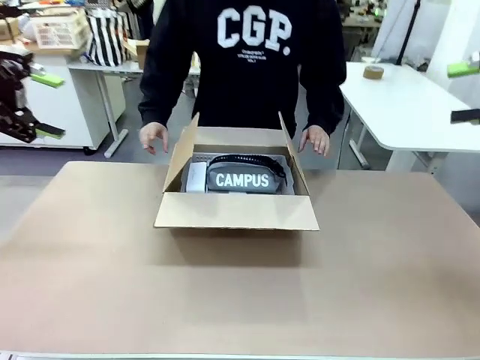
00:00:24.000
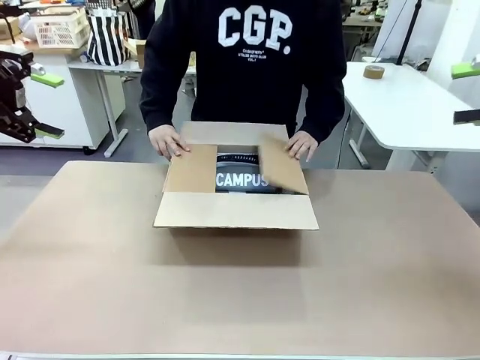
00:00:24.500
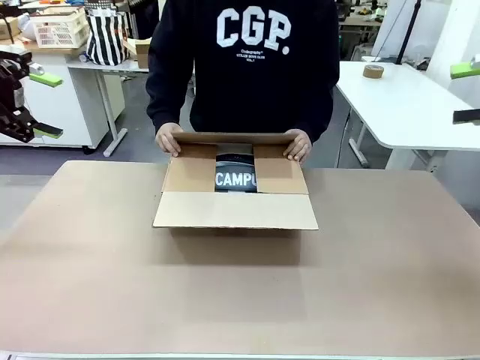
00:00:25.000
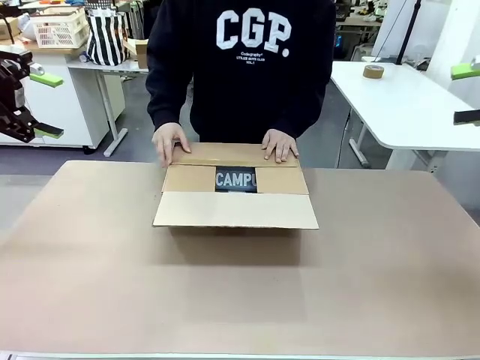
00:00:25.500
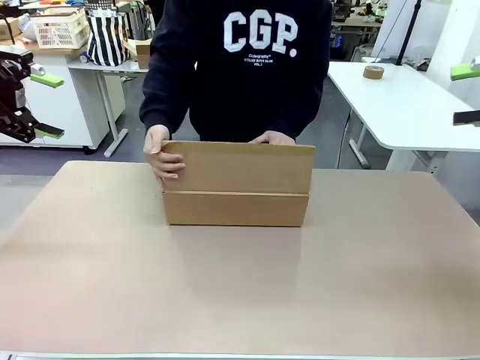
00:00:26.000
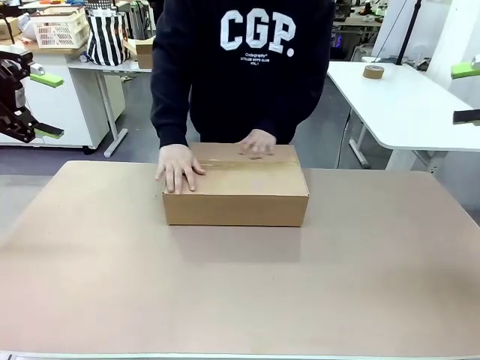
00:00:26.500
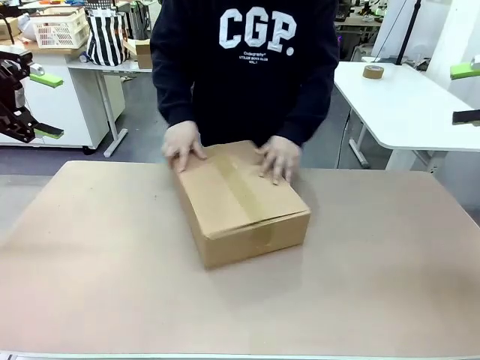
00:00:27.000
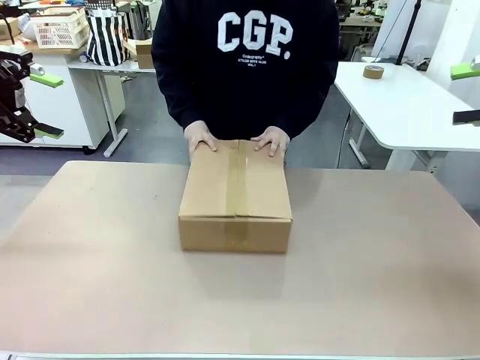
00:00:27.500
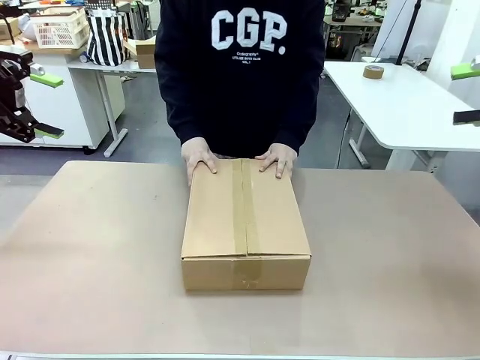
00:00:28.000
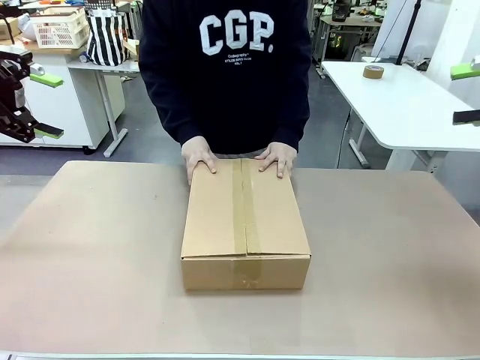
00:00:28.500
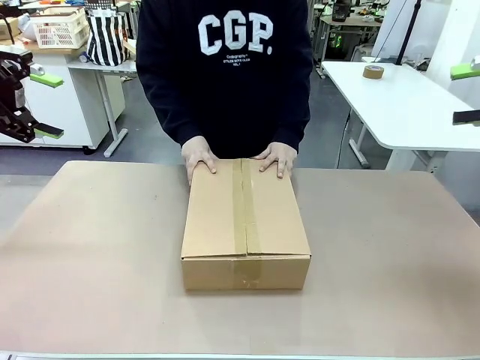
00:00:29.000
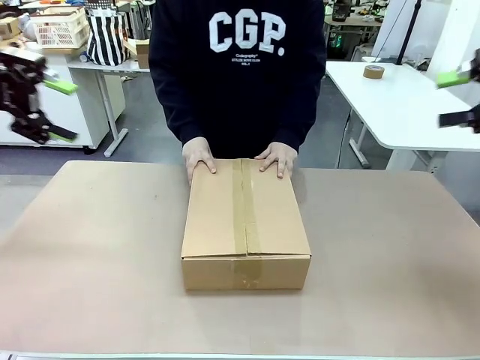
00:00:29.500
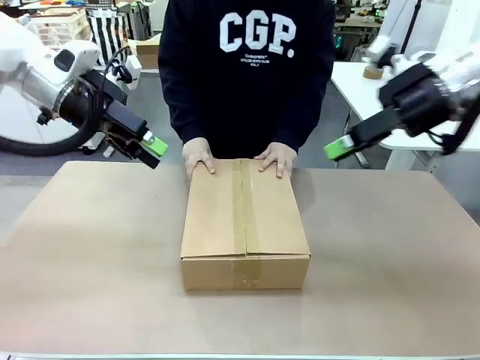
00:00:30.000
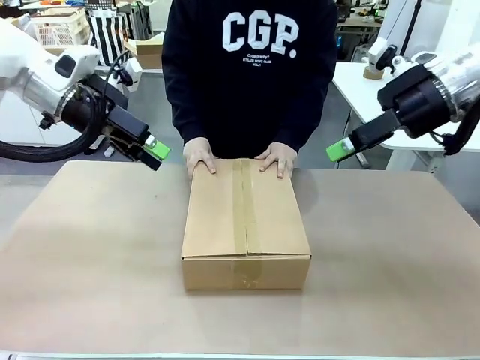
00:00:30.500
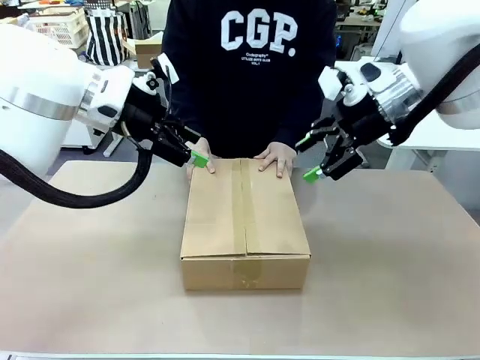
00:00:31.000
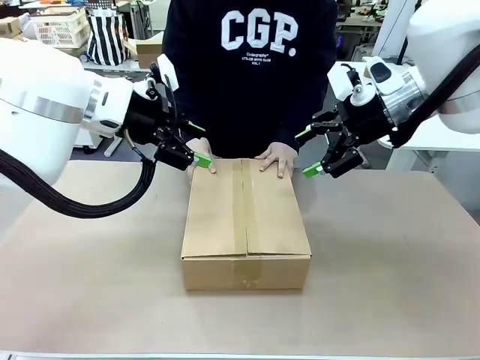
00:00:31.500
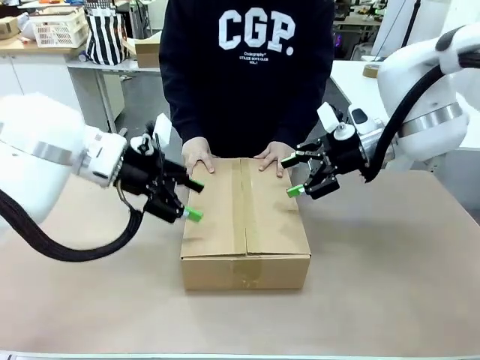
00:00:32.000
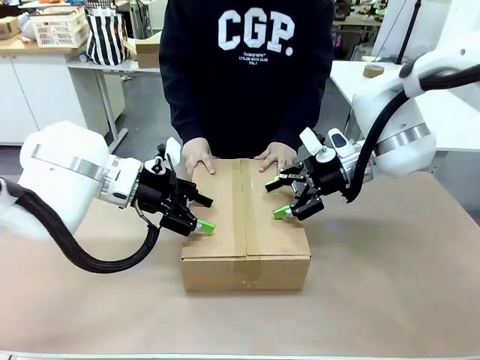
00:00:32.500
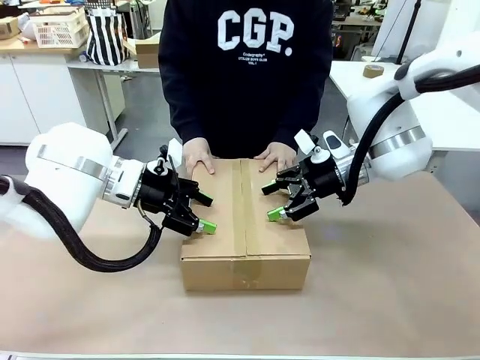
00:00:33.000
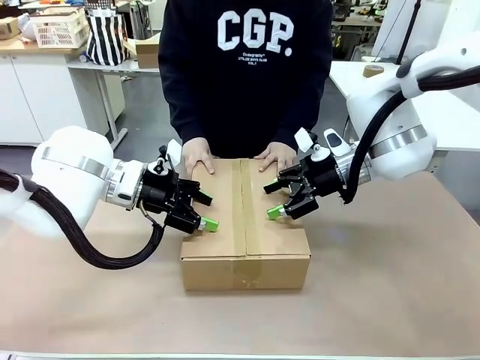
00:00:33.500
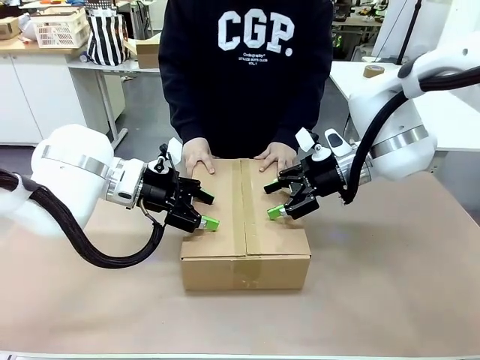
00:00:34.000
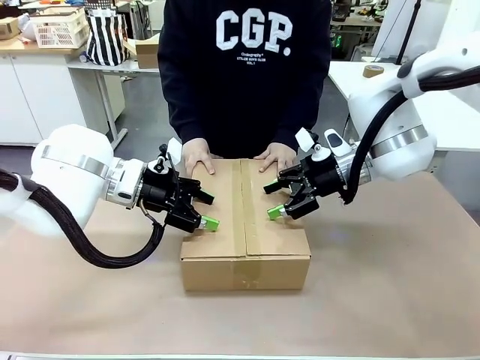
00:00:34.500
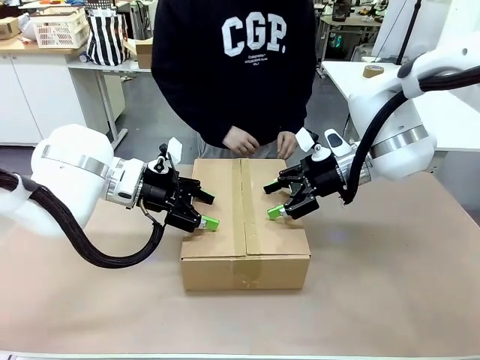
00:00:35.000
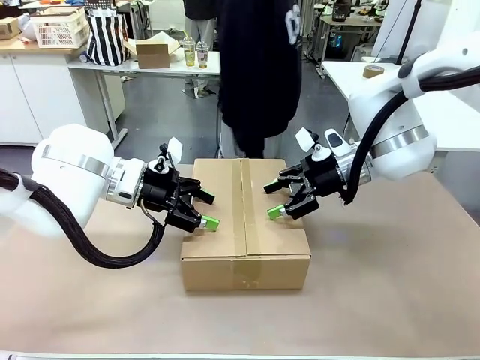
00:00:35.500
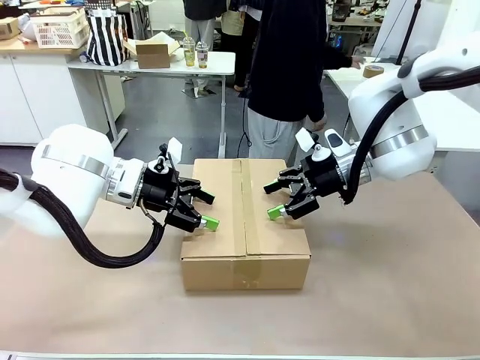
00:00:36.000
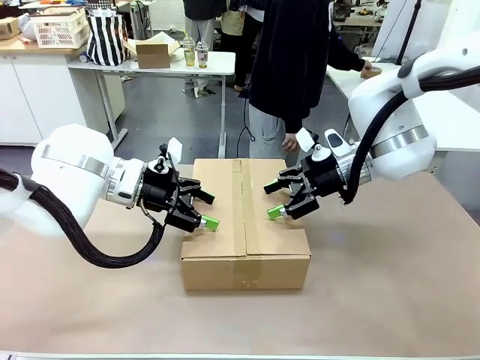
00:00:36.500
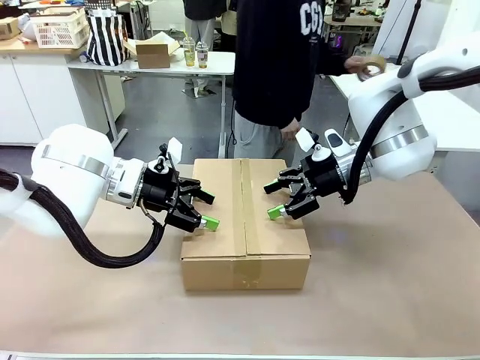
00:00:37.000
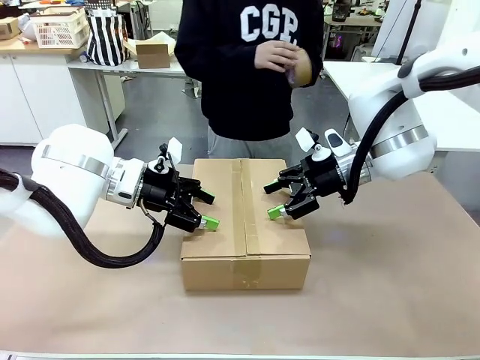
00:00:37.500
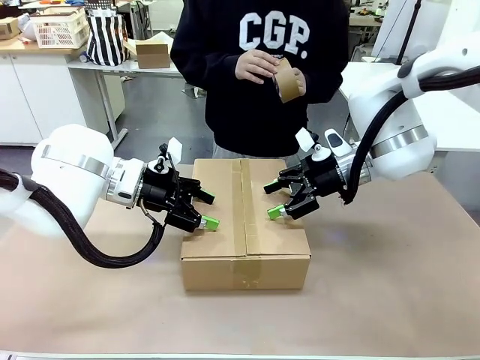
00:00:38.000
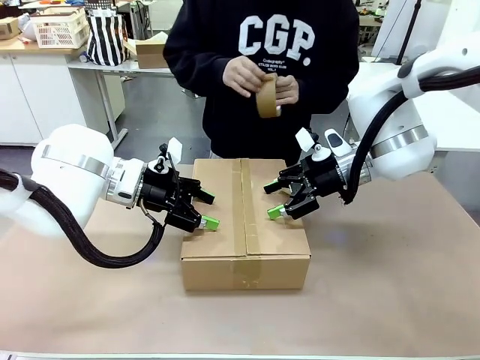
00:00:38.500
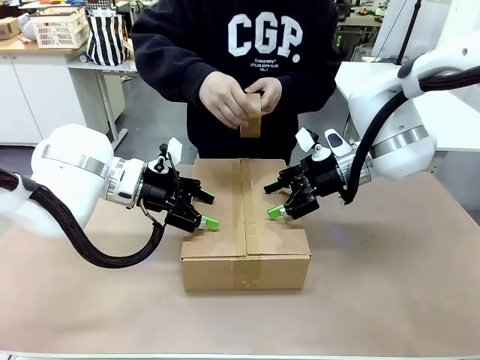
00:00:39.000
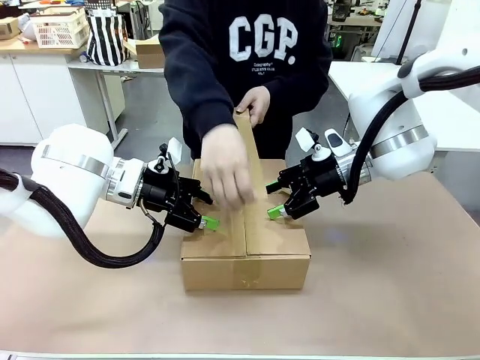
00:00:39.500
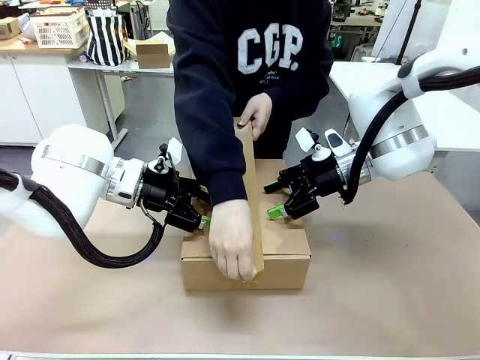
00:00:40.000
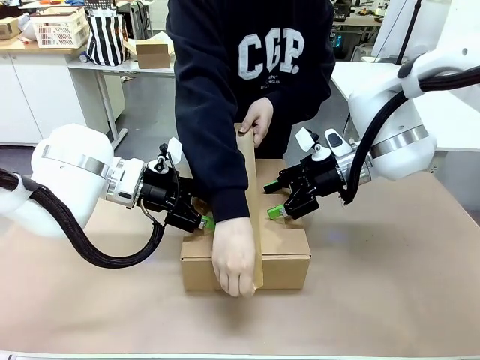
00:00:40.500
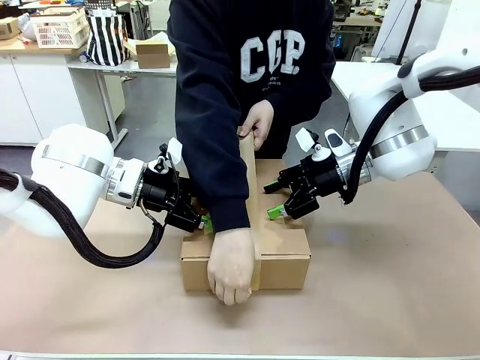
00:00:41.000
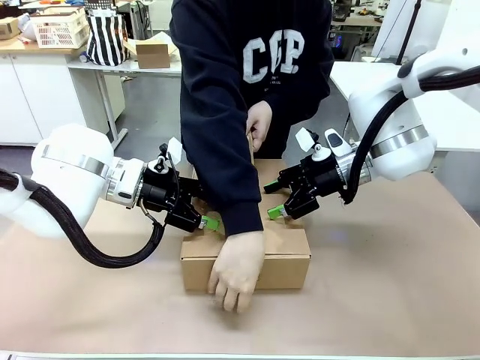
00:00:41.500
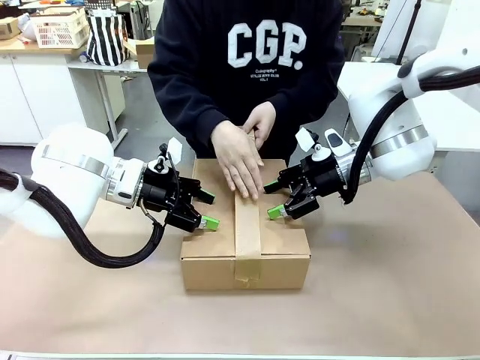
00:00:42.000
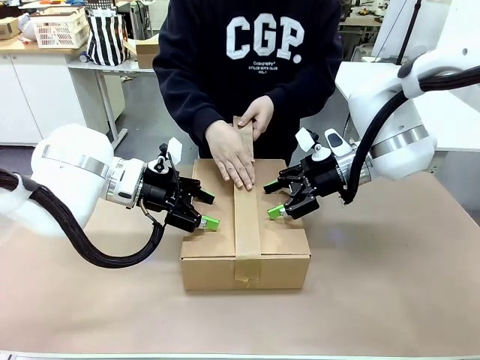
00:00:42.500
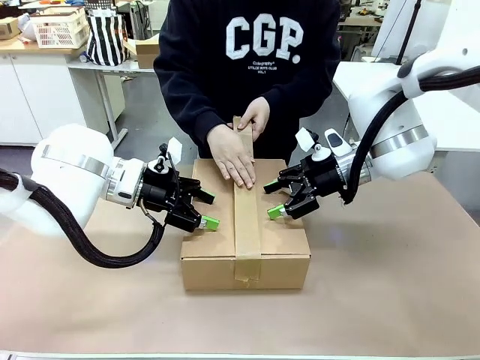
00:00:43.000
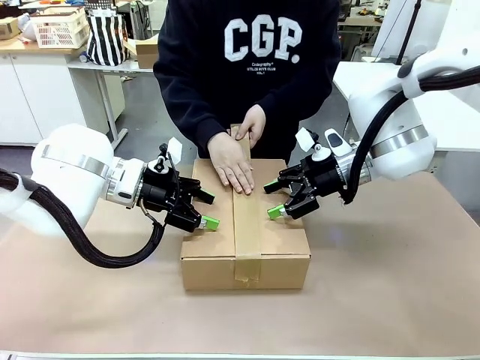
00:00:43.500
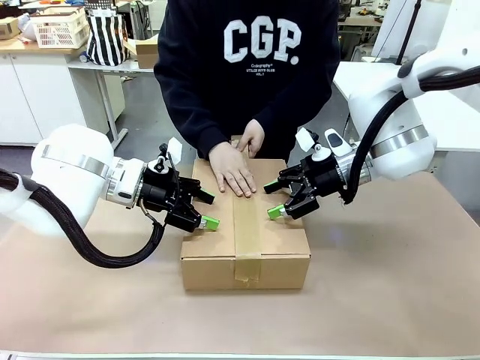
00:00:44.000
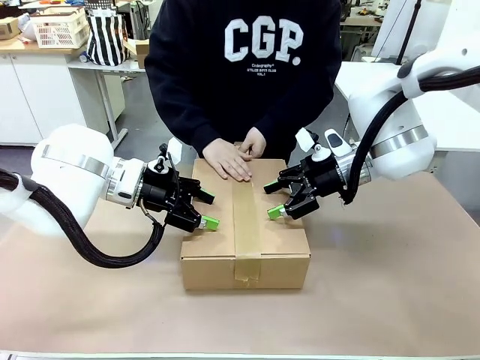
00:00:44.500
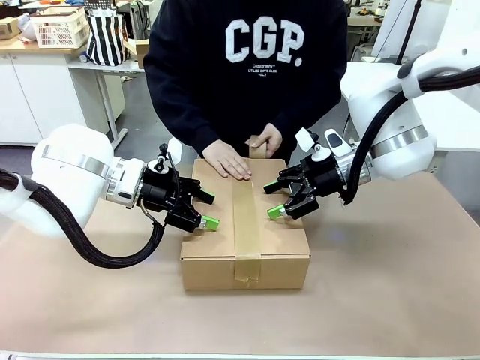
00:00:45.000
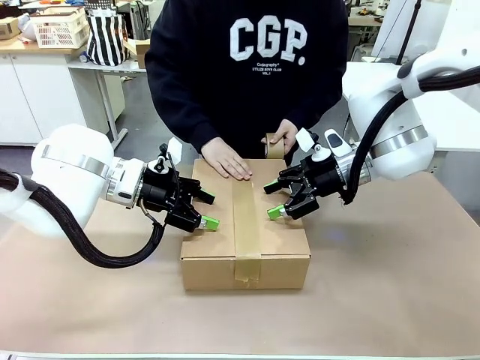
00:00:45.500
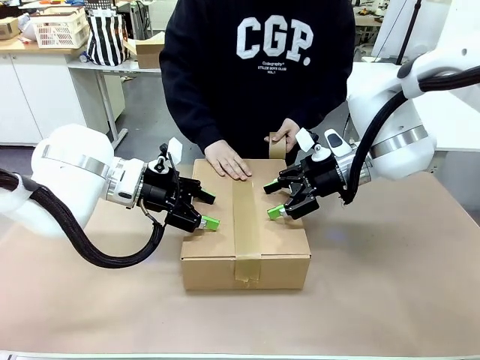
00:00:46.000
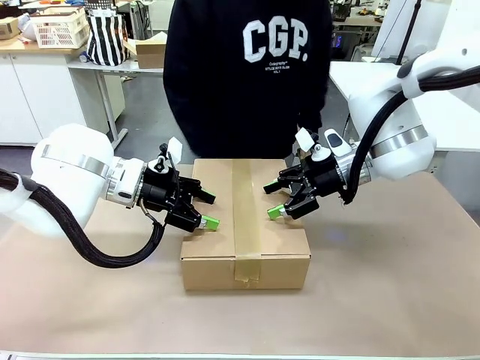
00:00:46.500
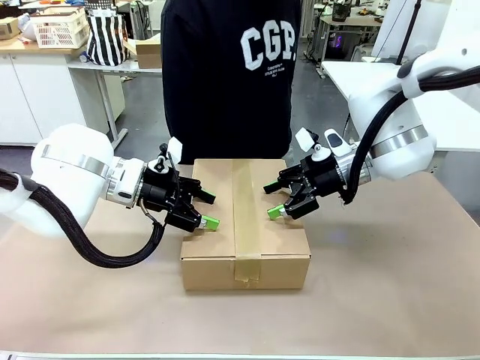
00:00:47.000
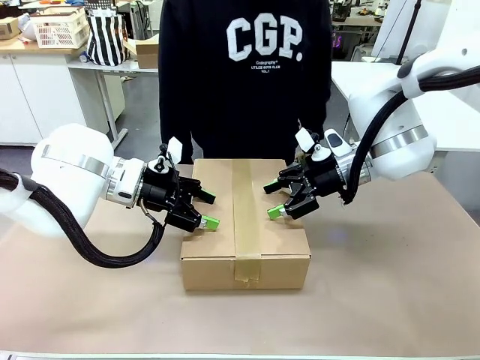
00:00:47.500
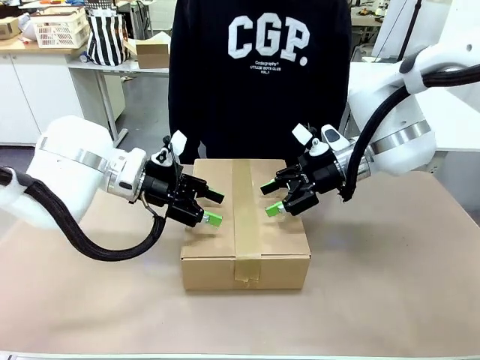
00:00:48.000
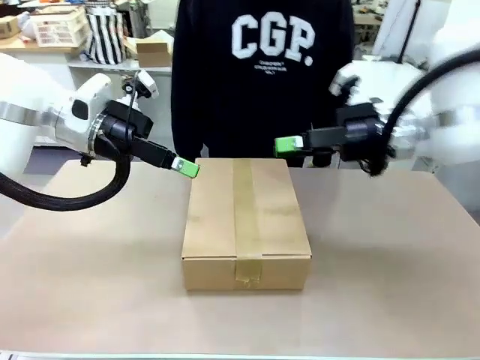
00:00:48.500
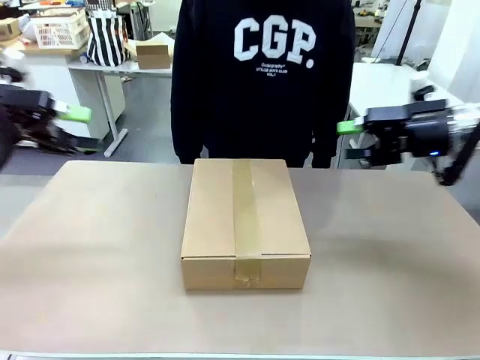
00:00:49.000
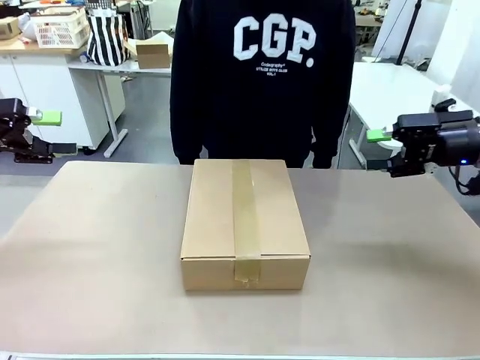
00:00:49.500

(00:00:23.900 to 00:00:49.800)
Task: Pack the gift set into the box.
Robot: Press and hold the closed box until the human finishes sealing it.
Person: The human closes the box and rotates the box by 90 degrees. The human picks up the paper tape from the human table and packs the box.
